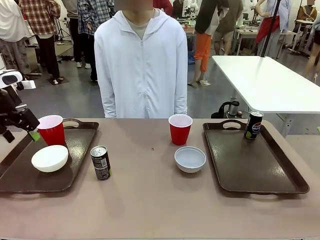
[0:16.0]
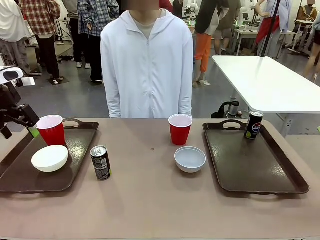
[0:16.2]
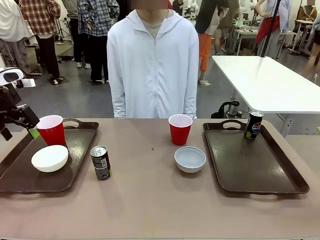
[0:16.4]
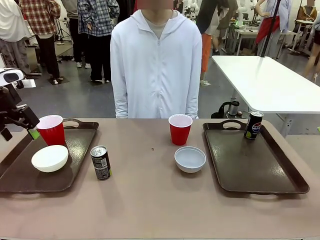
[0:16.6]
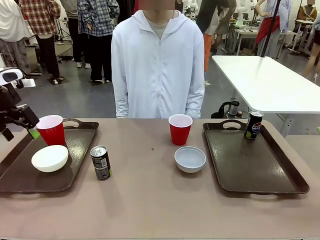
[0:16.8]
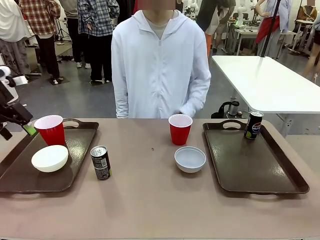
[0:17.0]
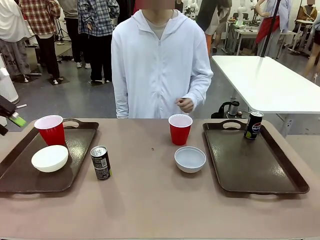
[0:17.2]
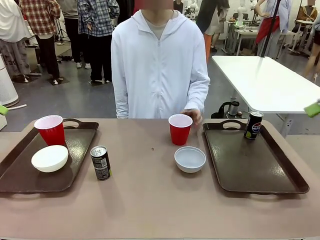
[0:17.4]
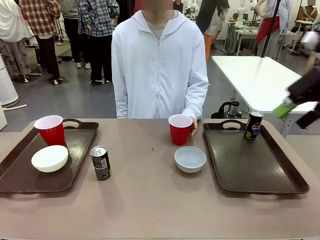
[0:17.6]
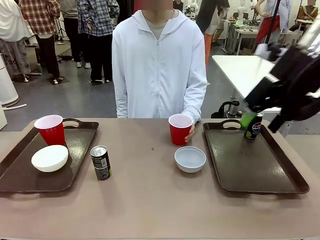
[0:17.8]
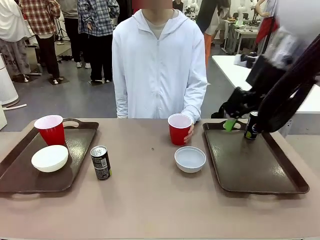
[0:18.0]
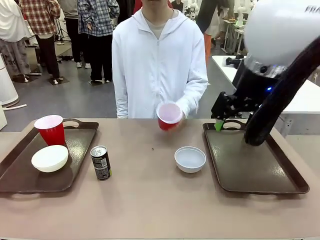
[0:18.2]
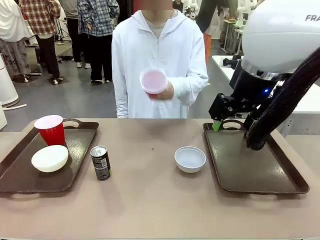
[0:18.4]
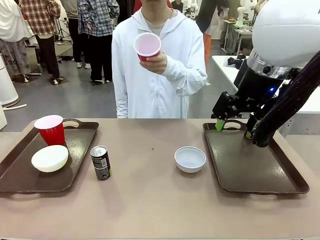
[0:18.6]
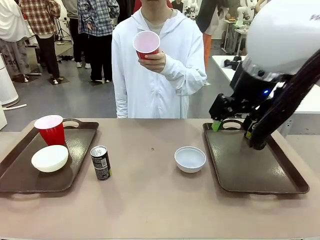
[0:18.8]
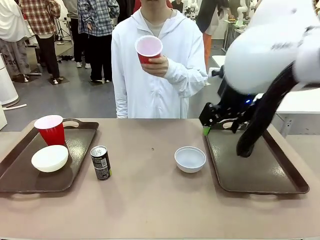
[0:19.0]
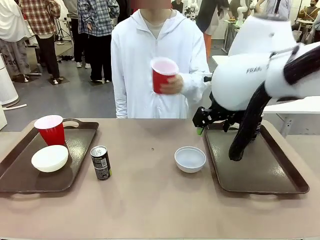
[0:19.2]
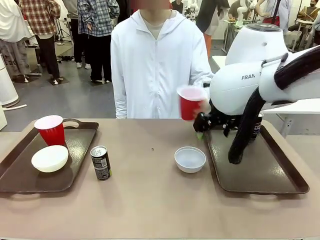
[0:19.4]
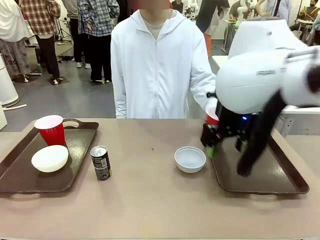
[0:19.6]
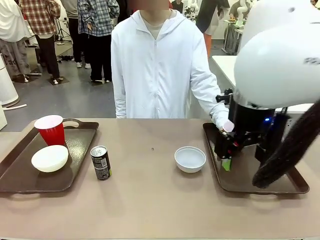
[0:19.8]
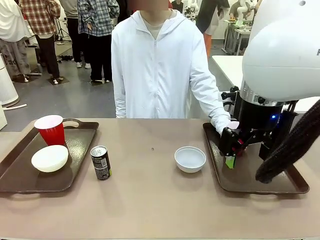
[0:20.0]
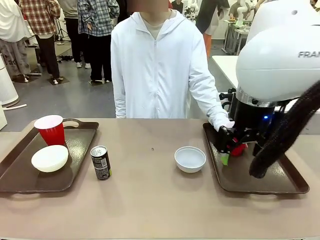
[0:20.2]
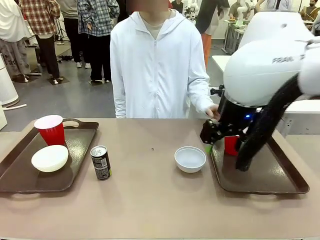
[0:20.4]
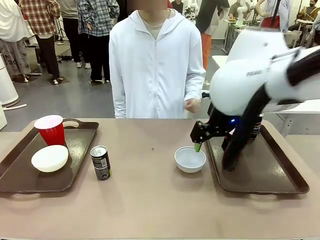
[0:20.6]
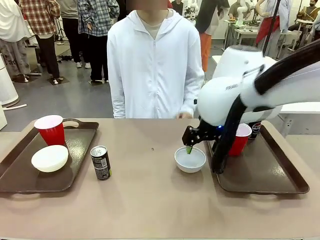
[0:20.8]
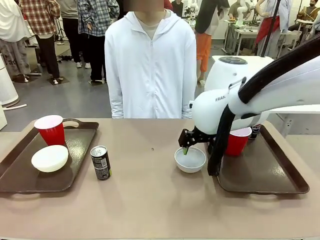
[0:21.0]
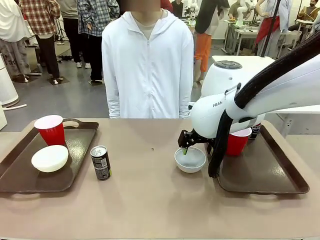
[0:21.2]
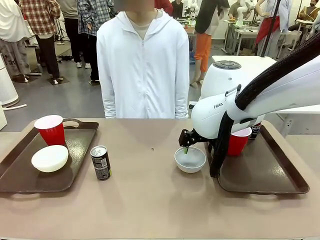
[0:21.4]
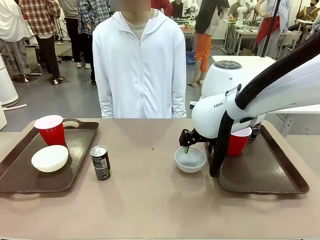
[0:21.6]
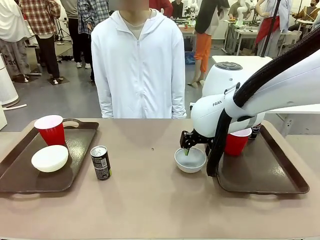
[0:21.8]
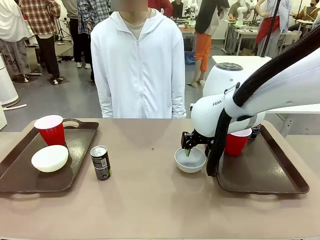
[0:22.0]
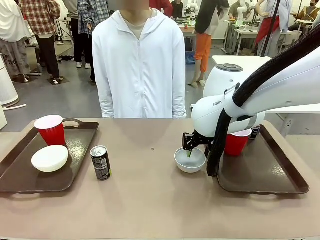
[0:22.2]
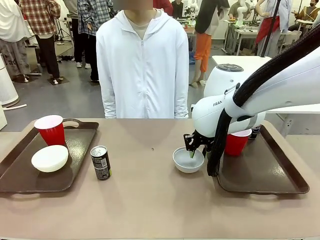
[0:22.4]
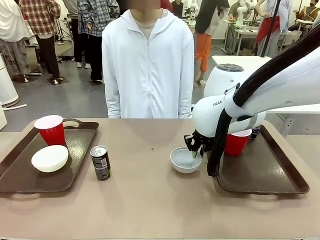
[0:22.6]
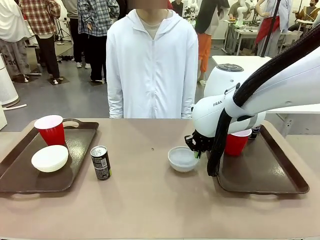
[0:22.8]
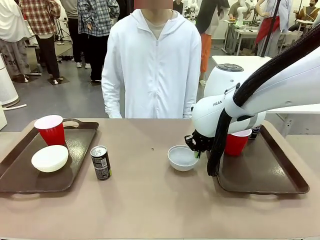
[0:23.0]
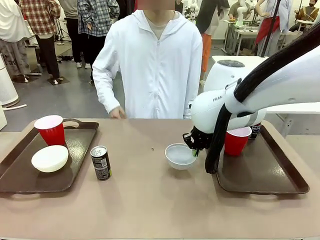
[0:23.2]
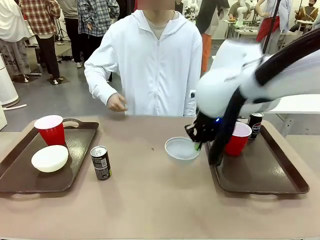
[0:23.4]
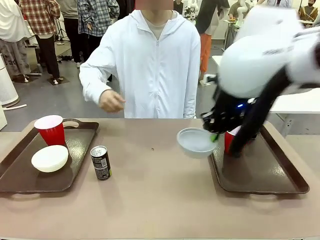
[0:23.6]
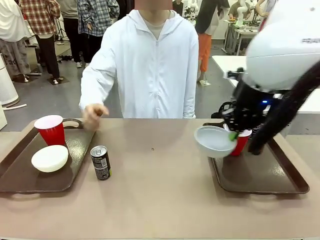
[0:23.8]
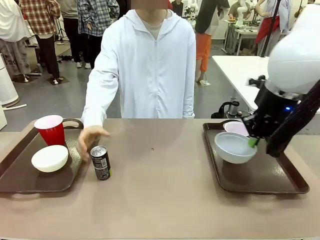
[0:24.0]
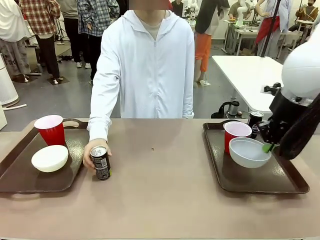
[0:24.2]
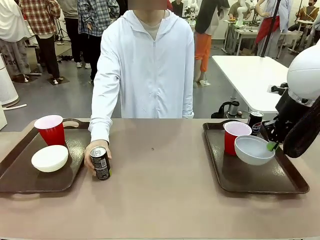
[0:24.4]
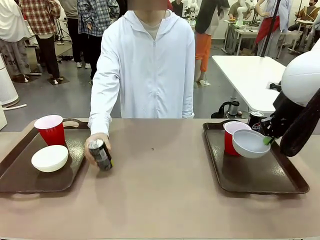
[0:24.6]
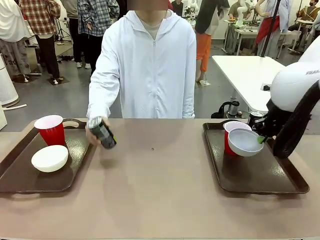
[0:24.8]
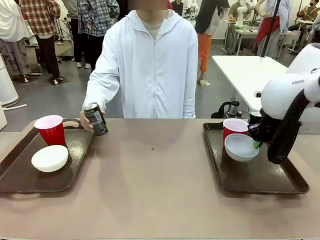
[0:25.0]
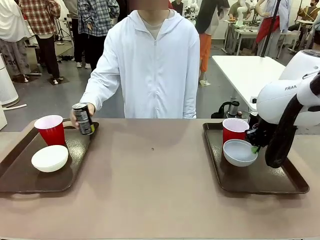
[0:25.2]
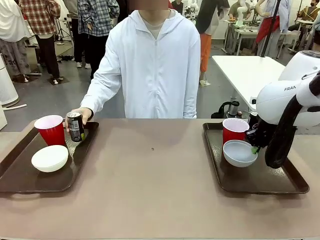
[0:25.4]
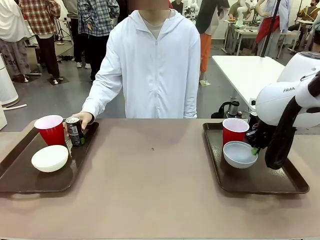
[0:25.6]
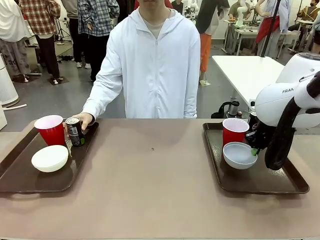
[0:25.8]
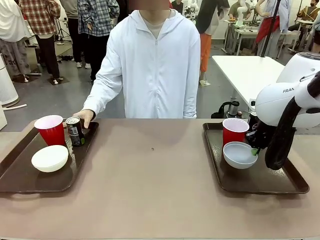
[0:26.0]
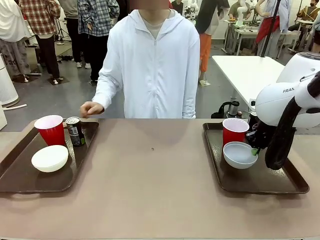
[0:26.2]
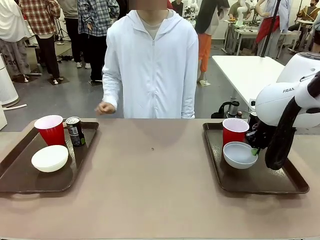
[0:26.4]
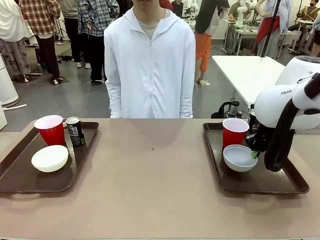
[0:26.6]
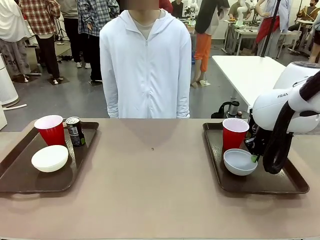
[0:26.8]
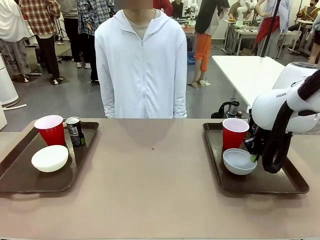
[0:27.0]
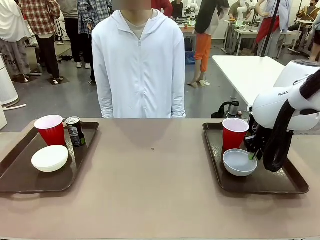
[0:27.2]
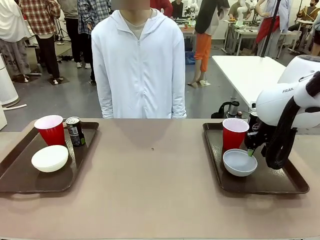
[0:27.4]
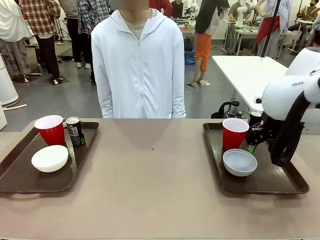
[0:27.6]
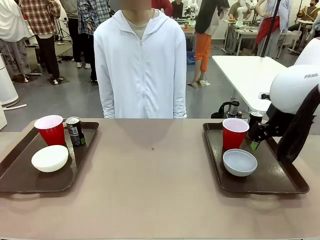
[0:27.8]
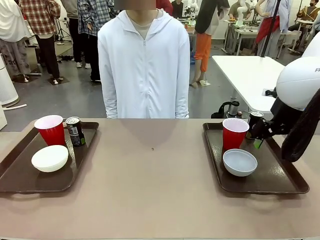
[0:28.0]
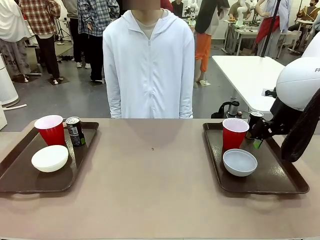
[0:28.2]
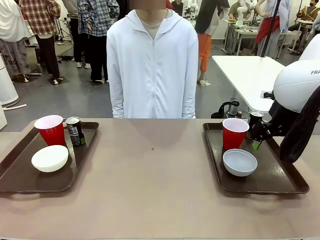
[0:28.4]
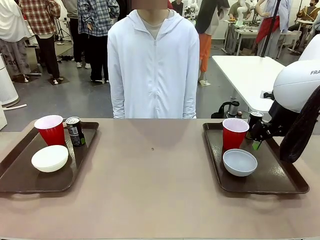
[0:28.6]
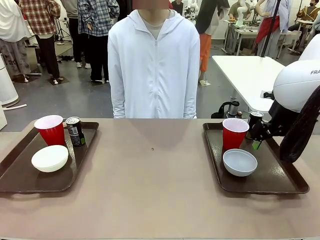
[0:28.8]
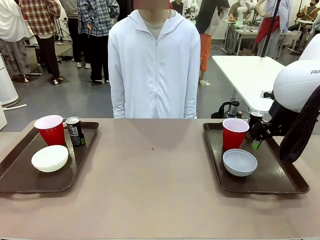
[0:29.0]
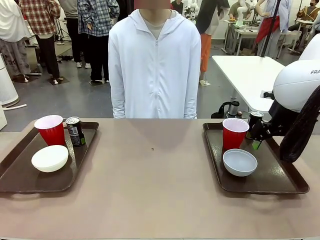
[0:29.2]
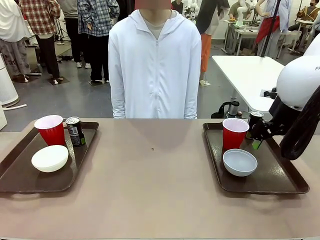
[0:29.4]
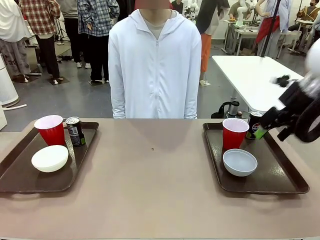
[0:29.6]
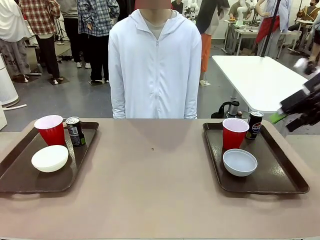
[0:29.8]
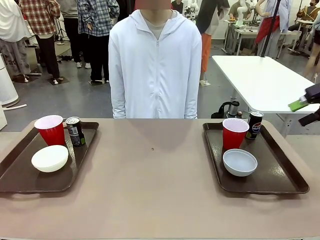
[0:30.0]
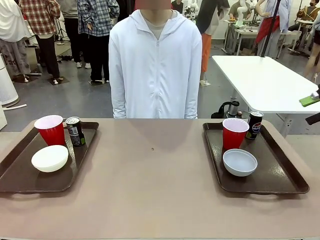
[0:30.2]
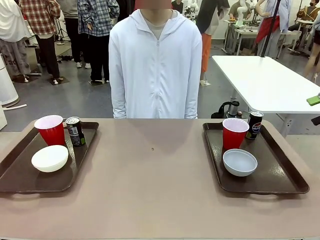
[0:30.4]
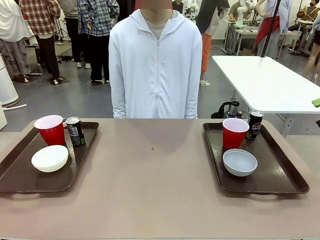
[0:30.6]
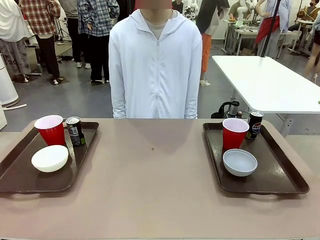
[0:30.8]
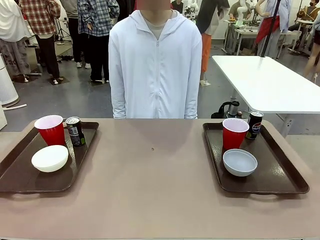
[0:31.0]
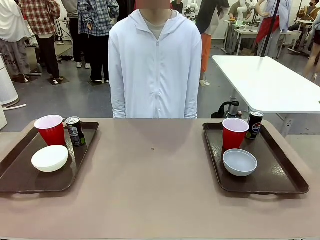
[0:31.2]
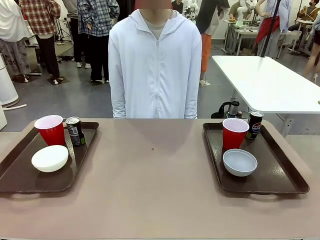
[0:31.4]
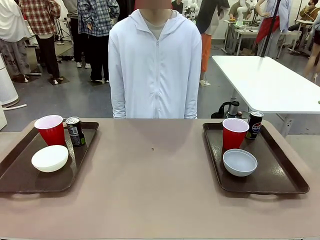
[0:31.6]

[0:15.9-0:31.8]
Task: Prepare tableware on both trays.
Robot: Pick up a Picnic Bowl from the table and place it on a Handle tray.
Person: Pick up a can or cup and place it on the tray without a can or cup.
